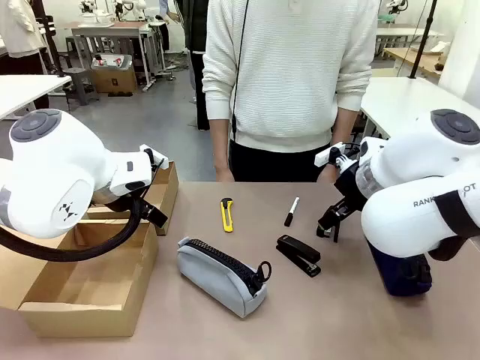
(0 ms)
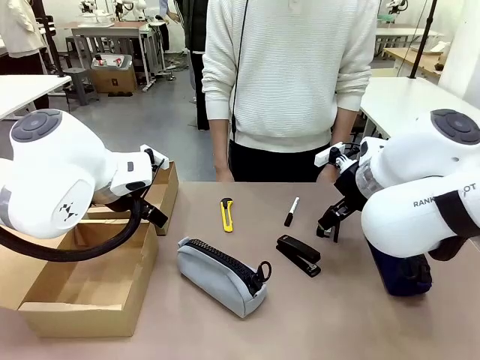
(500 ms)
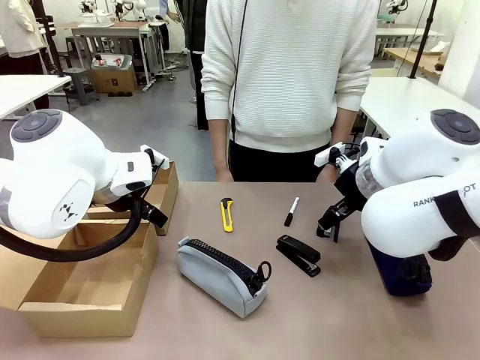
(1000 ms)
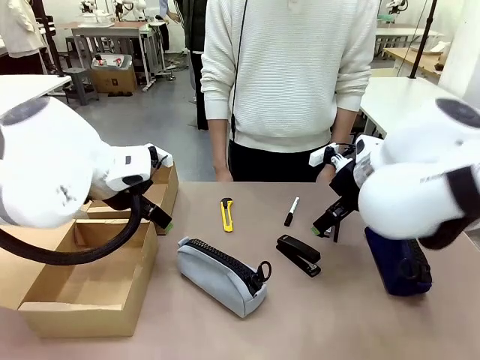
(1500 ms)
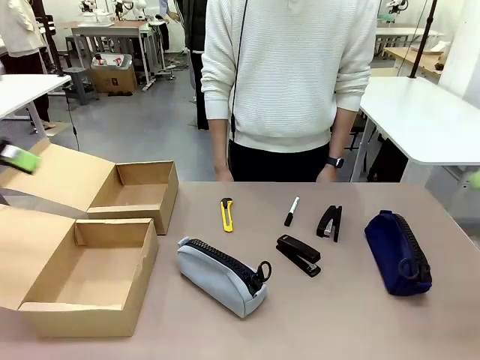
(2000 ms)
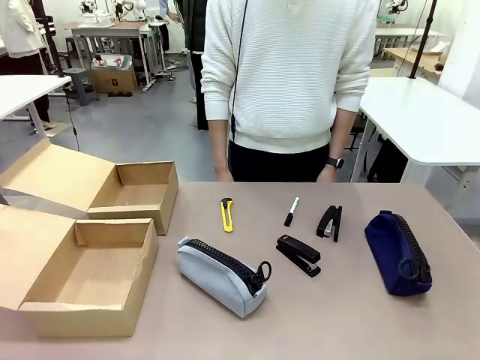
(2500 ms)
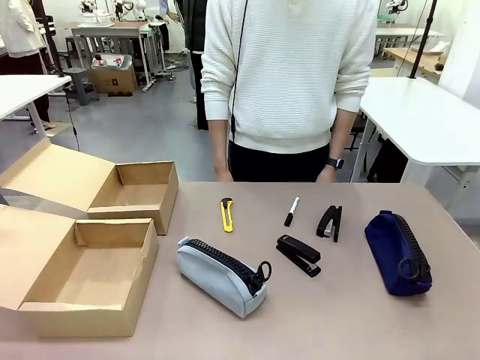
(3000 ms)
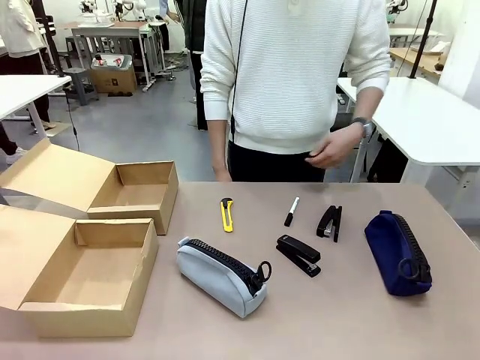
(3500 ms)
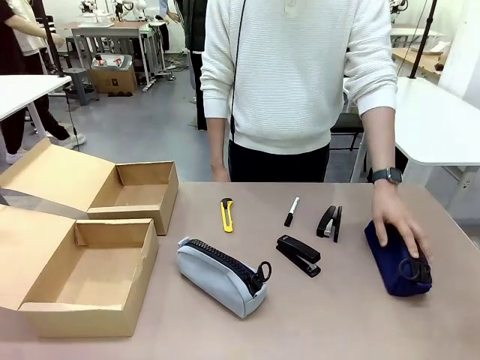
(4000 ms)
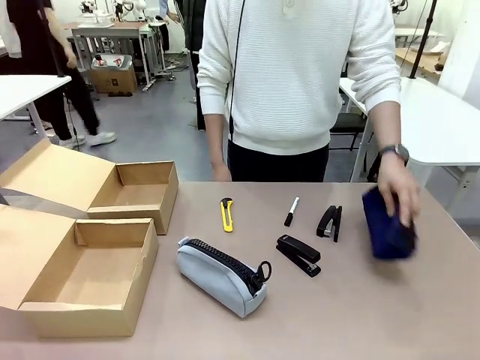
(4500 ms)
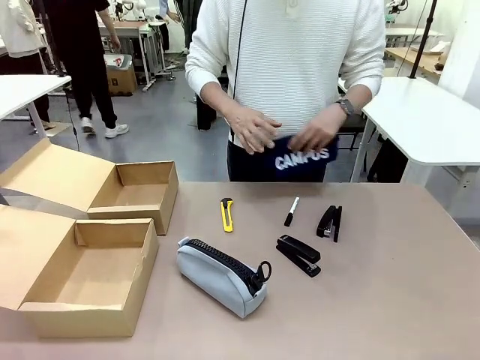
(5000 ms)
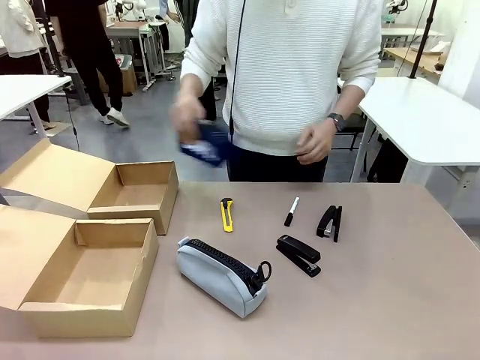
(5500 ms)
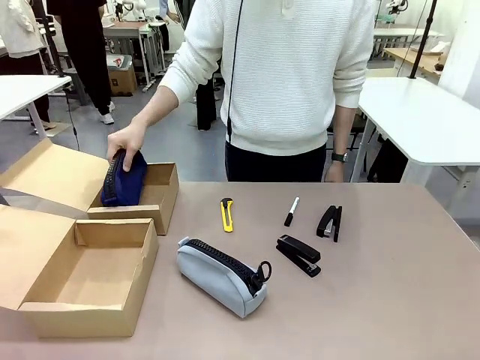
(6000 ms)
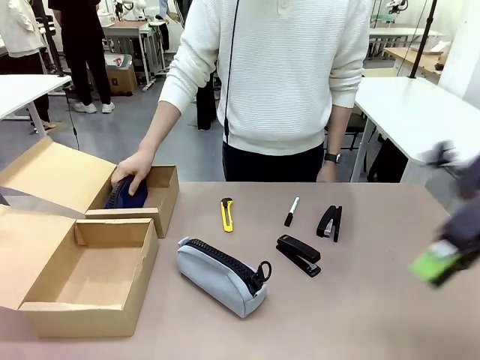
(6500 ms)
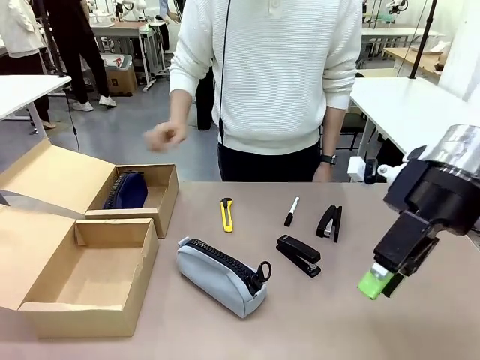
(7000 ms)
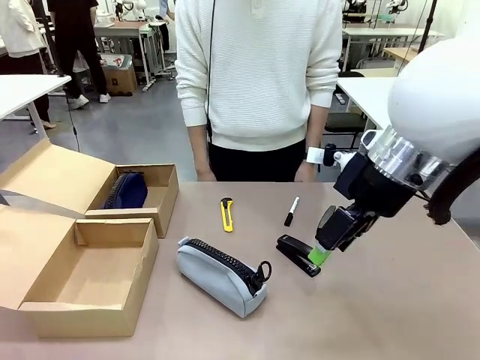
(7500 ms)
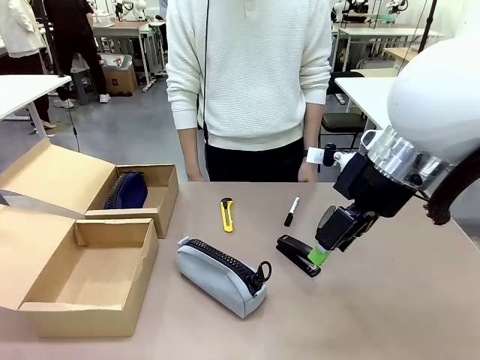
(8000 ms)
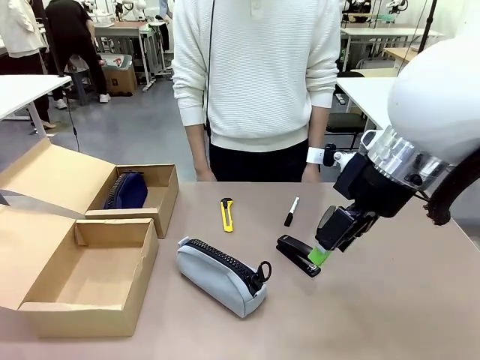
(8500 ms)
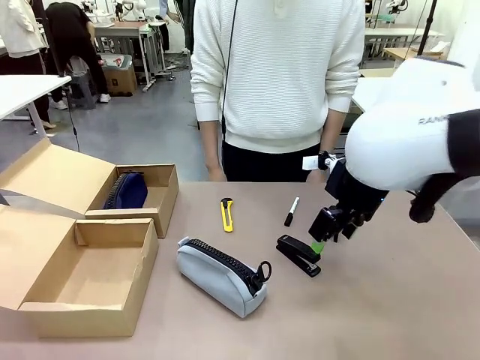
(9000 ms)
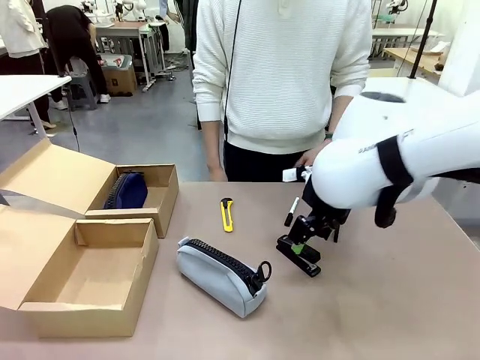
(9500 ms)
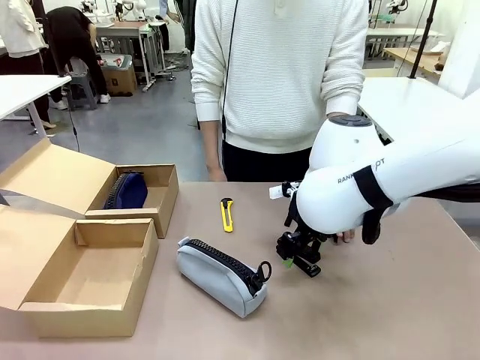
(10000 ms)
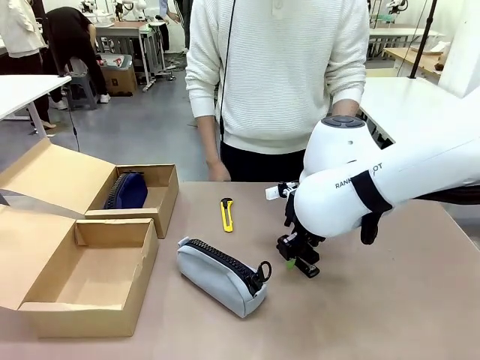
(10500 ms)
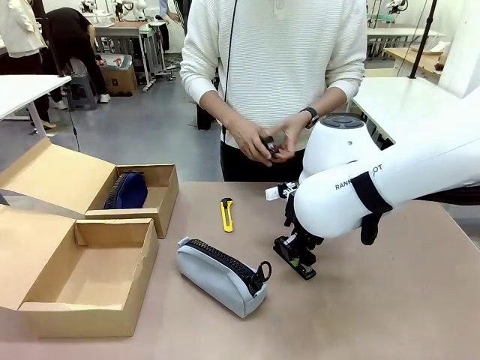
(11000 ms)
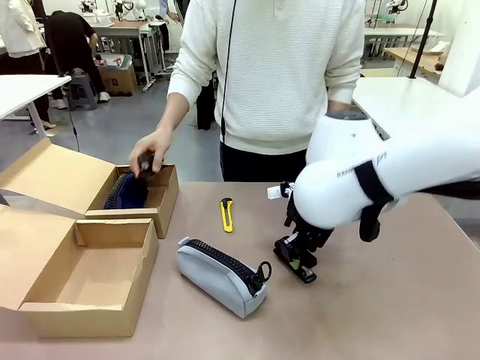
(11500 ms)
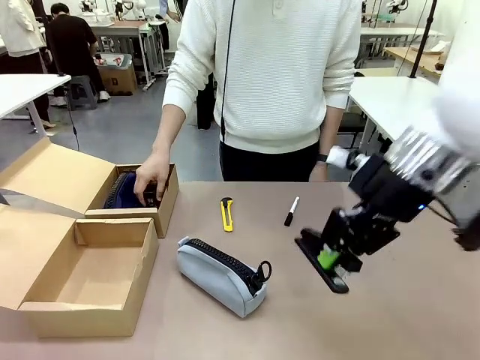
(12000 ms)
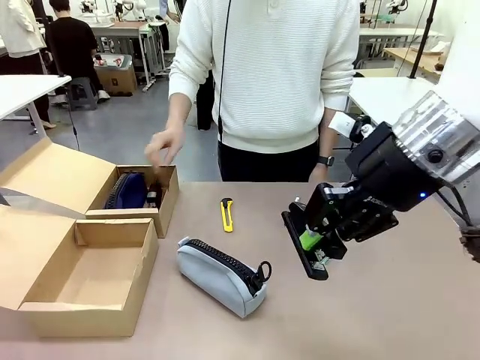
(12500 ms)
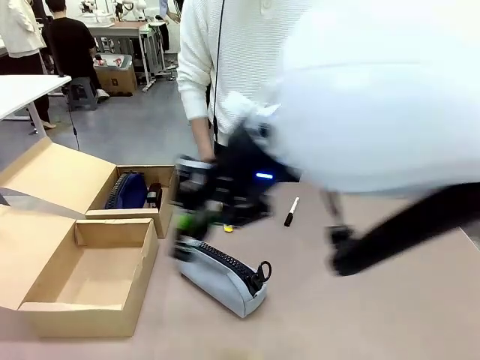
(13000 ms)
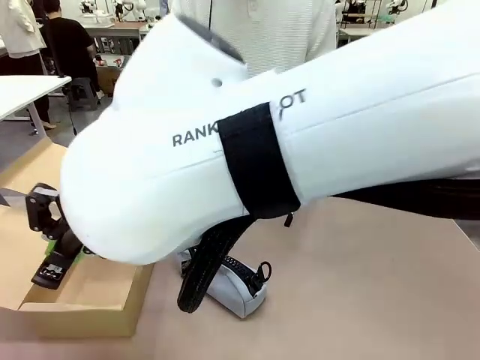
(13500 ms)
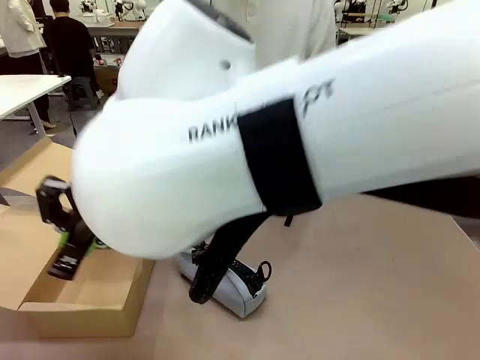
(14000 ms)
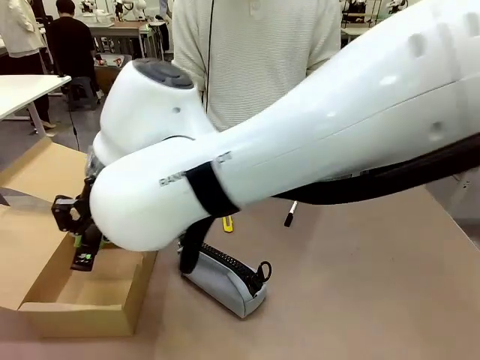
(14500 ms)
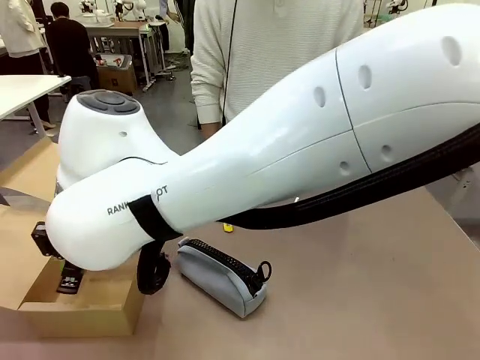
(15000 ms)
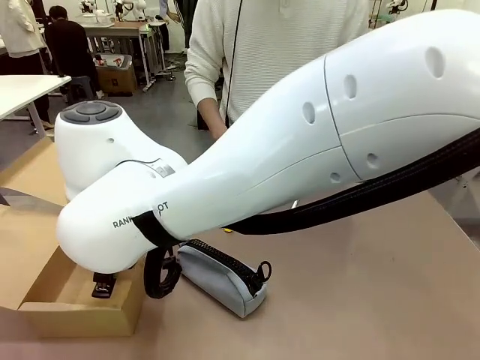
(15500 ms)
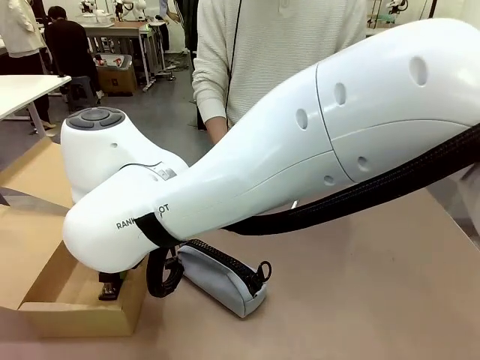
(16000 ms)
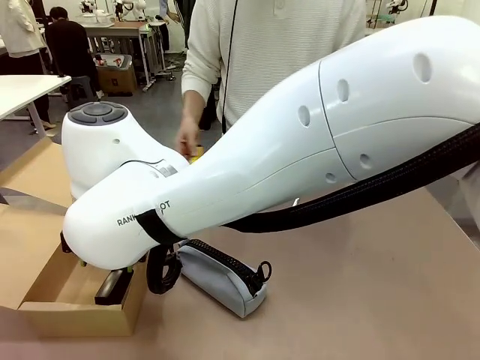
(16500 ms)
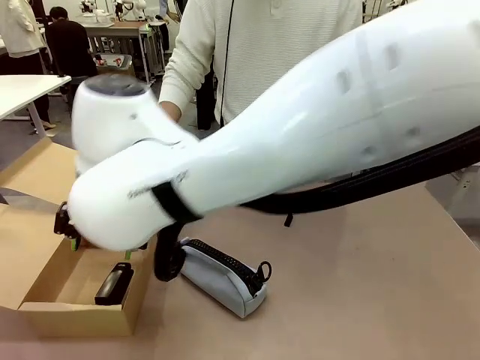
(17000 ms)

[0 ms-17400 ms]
Task: Place items inside the box.
Robot: Pick up a Pencil pouch or Stapler and place it inside the Mailer Box closest to the robot.
Person: Pick up an object on the table and put it in the box.
